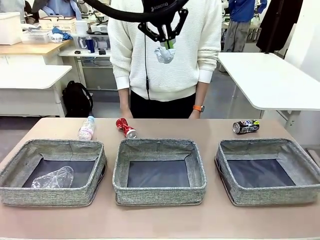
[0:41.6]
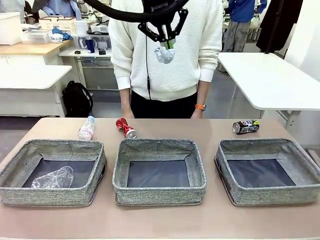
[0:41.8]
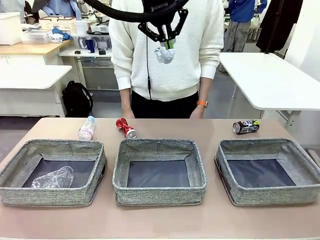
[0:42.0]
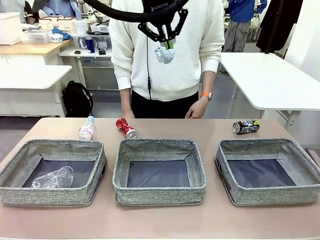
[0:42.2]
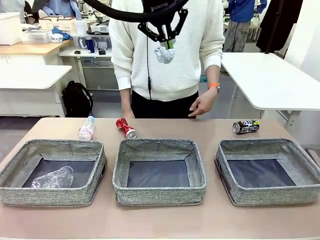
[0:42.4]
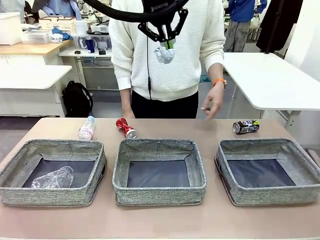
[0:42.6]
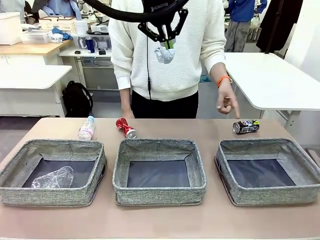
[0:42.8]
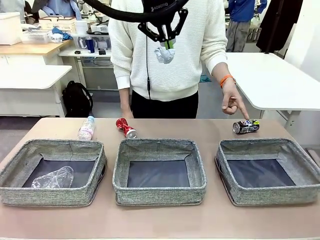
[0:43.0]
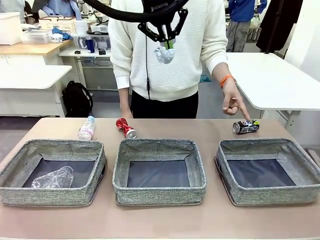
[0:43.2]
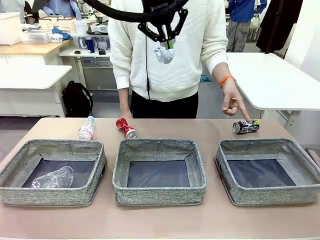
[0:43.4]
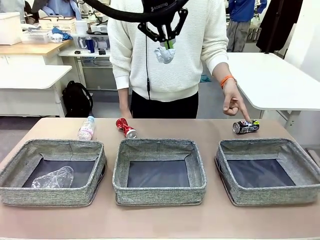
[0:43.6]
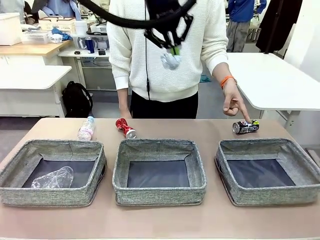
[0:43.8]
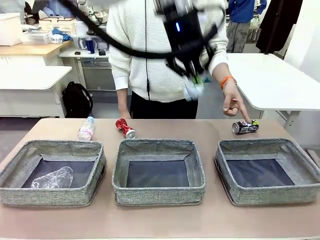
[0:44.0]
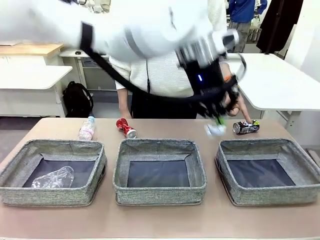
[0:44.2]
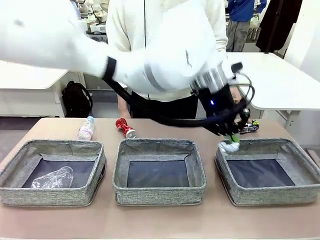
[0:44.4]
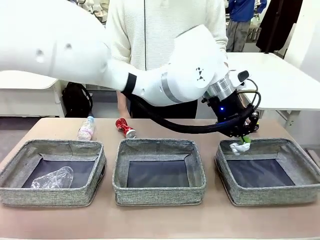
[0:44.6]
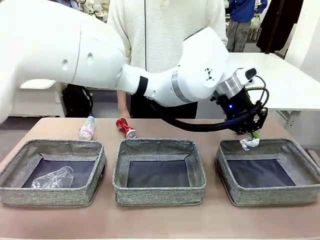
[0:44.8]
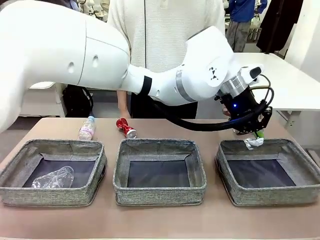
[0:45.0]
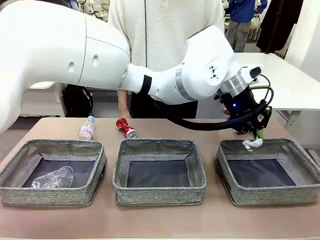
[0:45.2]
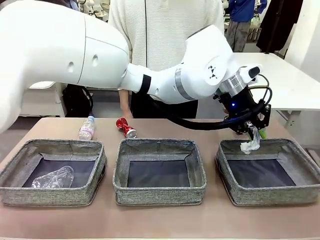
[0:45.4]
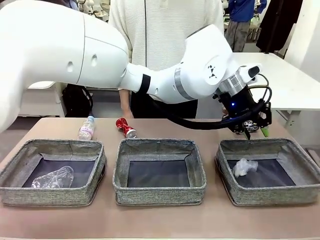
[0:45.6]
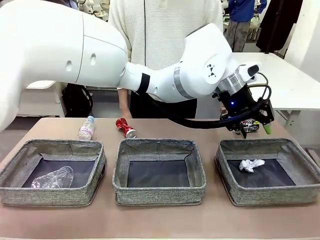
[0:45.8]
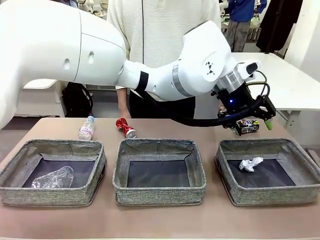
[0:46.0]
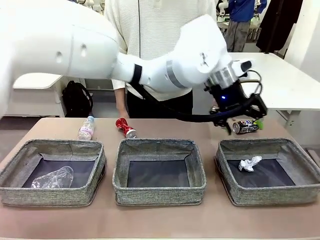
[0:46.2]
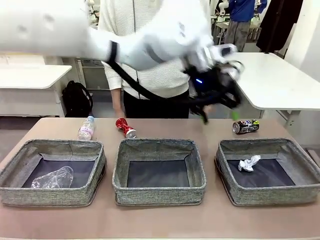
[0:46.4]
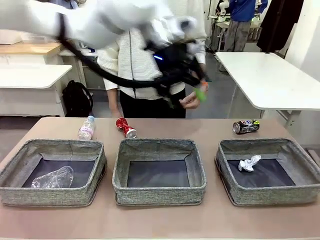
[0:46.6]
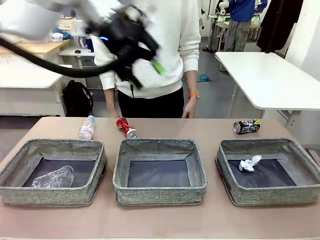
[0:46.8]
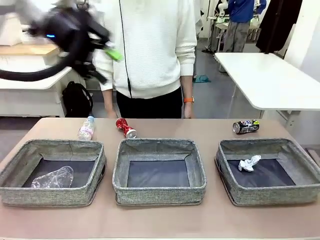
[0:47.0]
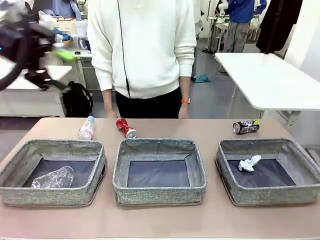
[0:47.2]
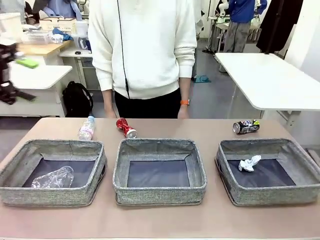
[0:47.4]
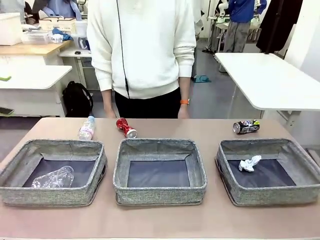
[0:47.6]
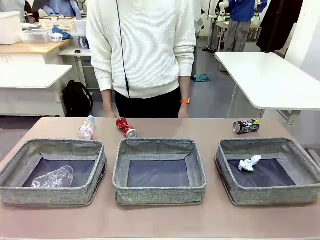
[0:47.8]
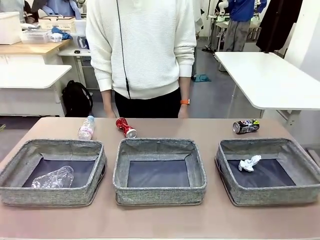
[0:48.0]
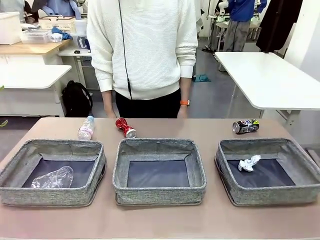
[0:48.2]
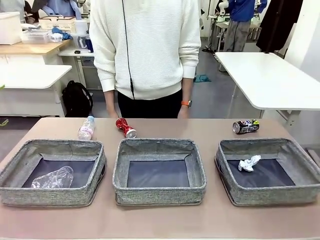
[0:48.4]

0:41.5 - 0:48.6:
Task: Sort the waste into the appropriate baskets.
Robot: Place the picked waste into the Fabric basket indicated by the person.
Person: Instructs the robot to place the picked-up trash into the appropriate organizing basket.

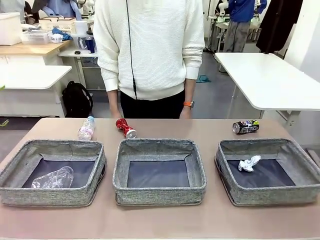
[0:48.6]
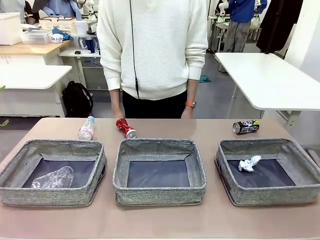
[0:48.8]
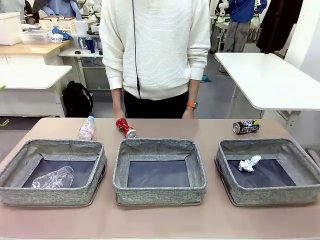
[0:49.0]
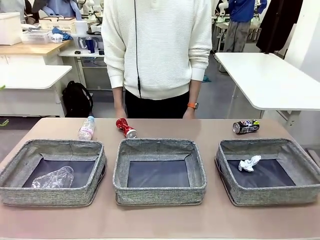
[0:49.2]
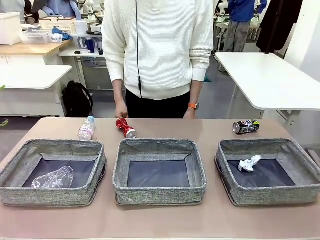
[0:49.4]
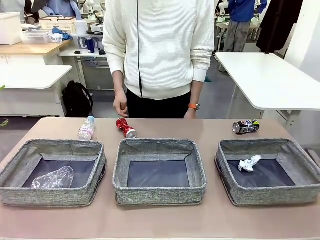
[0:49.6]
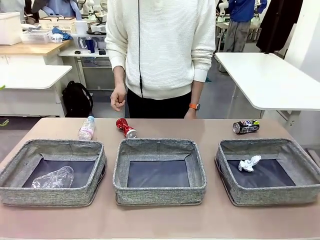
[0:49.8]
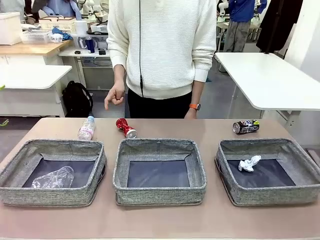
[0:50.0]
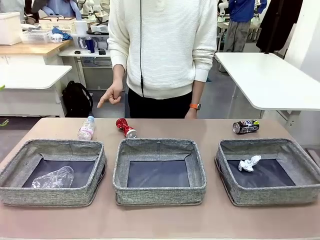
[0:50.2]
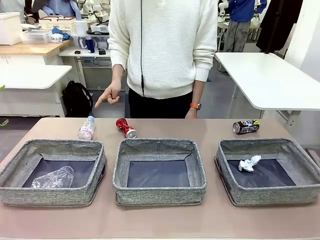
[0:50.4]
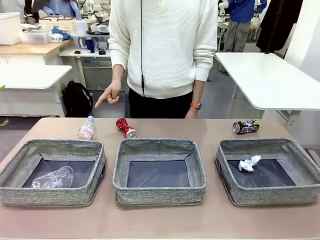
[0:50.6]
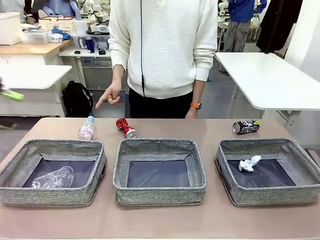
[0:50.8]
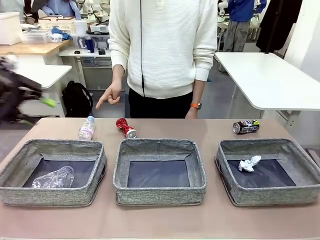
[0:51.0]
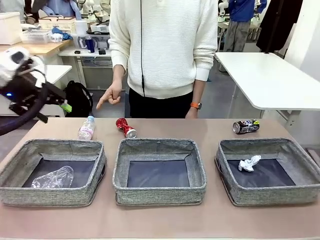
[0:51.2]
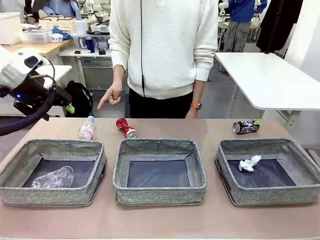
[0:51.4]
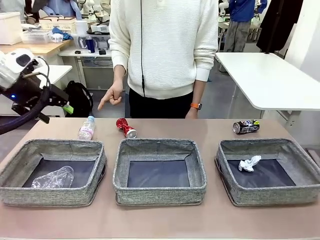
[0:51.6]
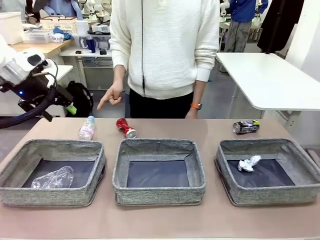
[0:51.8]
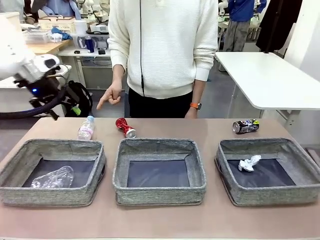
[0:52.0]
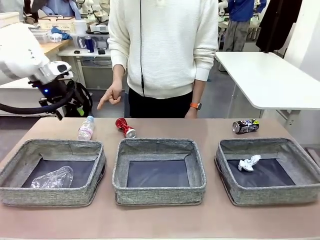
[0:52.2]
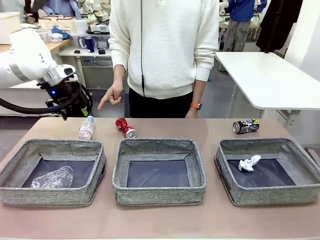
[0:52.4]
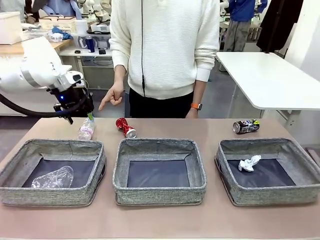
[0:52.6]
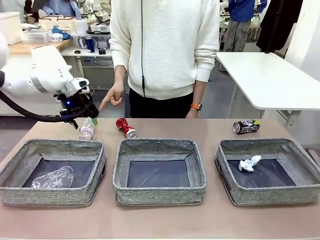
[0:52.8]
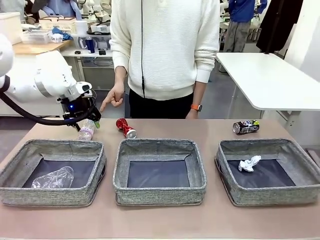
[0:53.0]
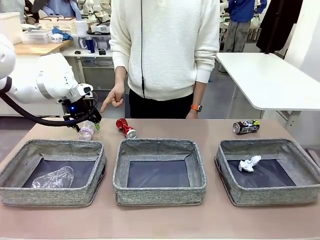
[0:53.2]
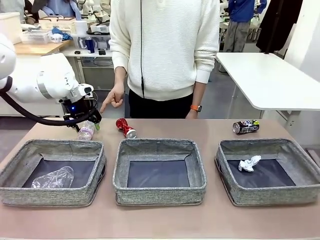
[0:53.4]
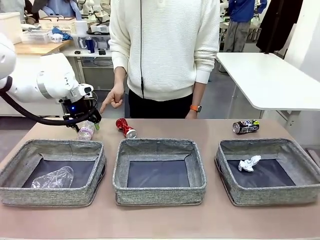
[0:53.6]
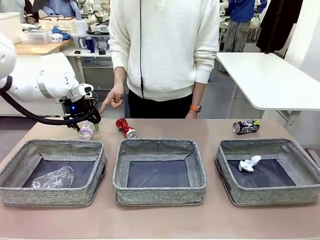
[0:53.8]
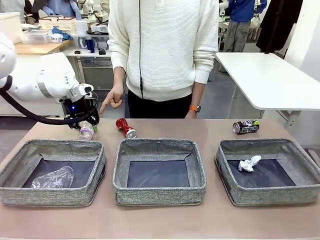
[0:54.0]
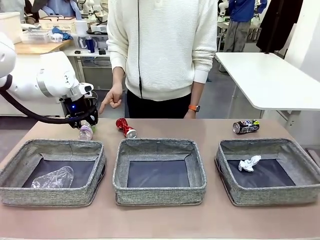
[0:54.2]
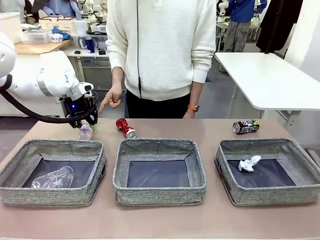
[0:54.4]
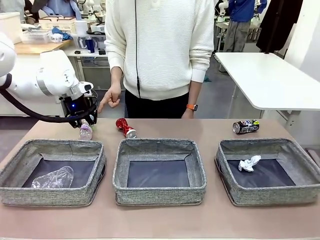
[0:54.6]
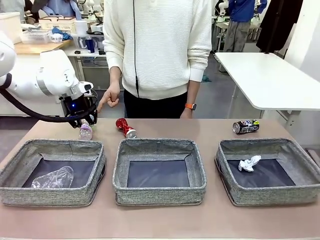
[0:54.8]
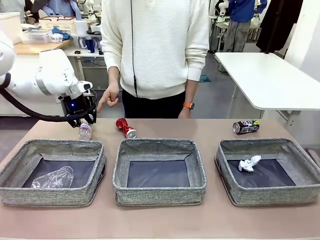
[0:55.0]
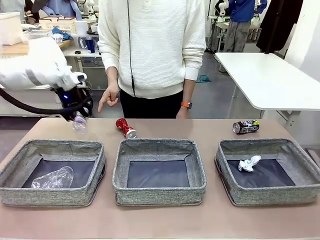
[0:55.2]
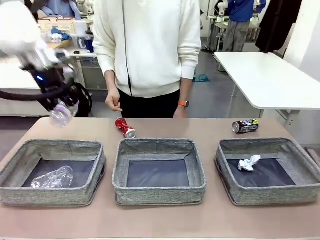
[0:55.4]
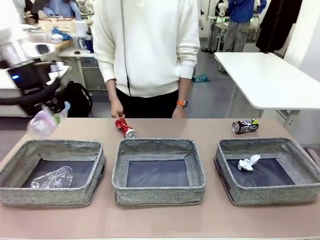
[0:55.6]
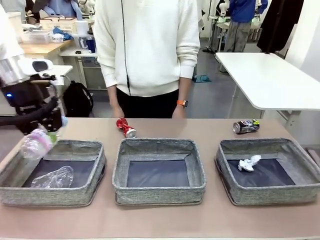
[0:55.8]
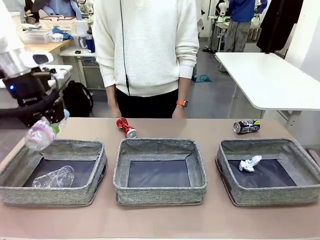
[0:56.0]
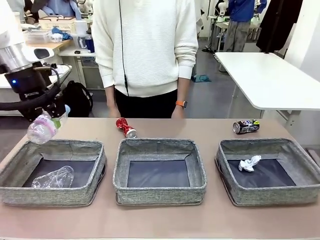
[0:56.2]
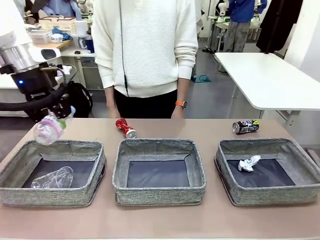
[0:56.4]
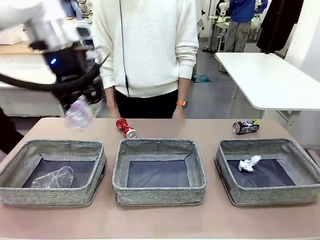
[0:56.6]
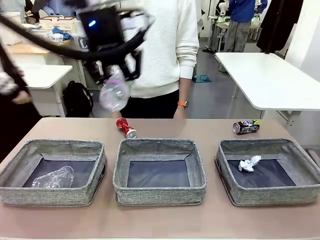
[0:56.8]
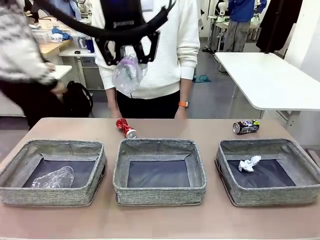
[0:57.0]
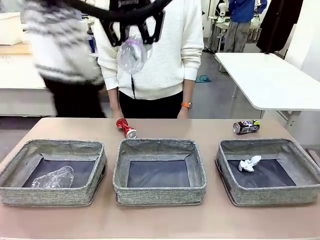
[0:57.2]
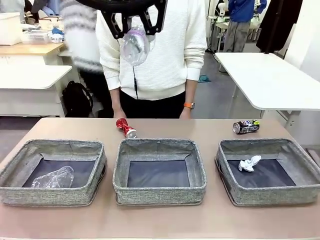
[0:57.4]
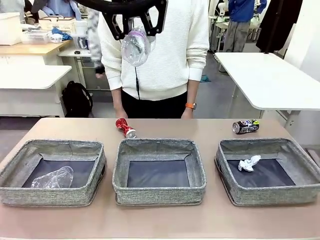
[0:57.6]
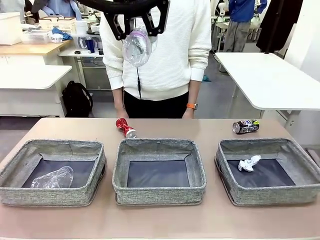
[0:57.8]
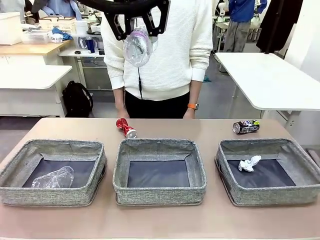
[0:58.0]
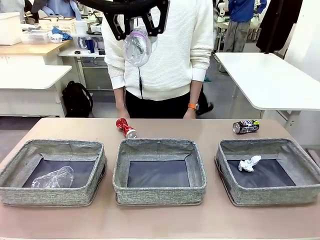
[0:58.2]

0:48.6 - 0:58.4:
Robot: Pick up the waste item pointed out by the person.
Person: Points to one piece of trash on the table.

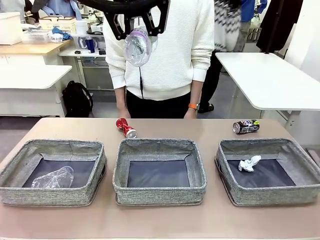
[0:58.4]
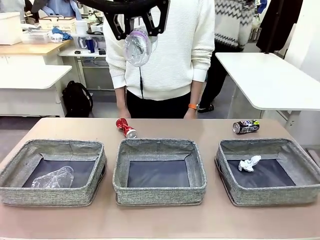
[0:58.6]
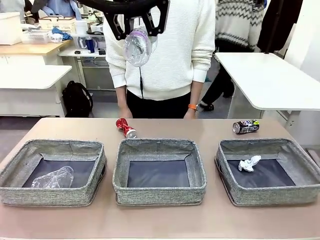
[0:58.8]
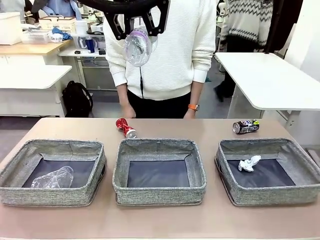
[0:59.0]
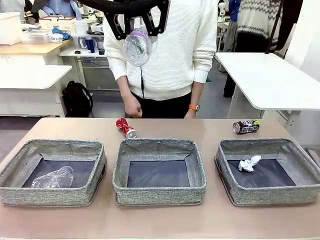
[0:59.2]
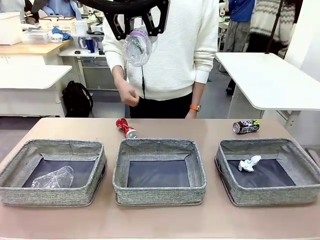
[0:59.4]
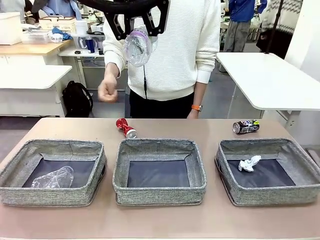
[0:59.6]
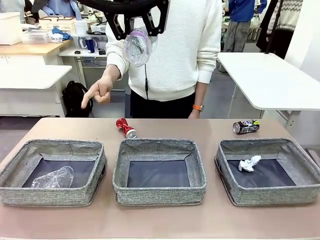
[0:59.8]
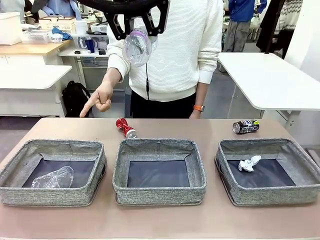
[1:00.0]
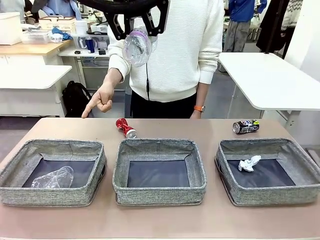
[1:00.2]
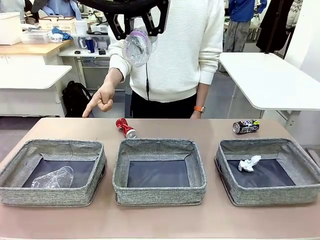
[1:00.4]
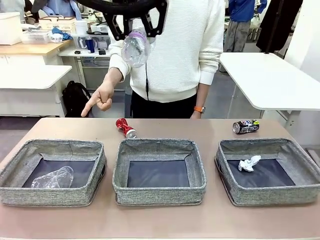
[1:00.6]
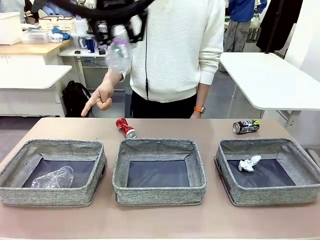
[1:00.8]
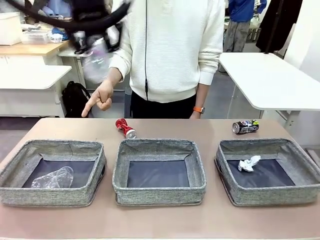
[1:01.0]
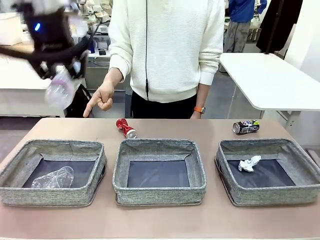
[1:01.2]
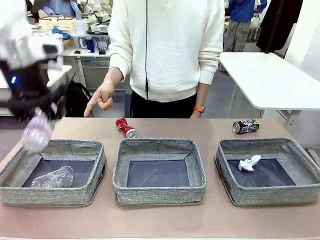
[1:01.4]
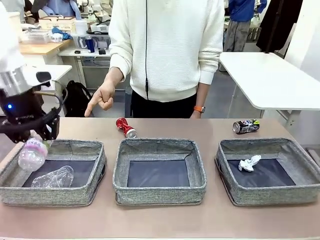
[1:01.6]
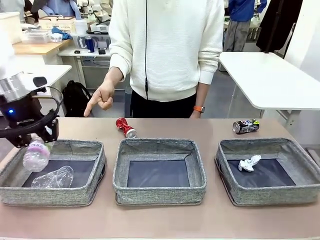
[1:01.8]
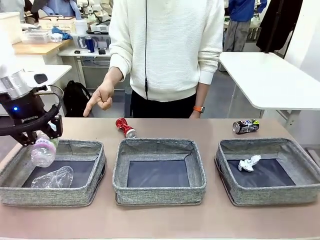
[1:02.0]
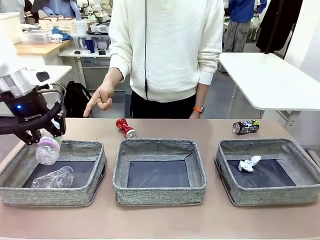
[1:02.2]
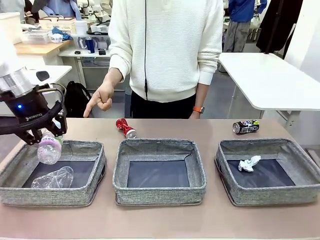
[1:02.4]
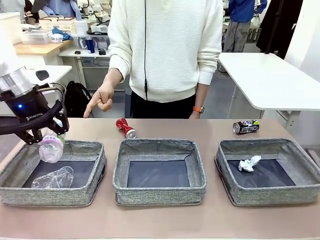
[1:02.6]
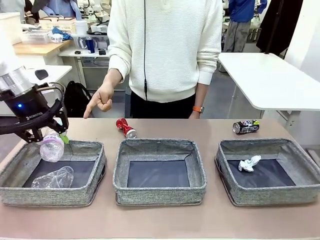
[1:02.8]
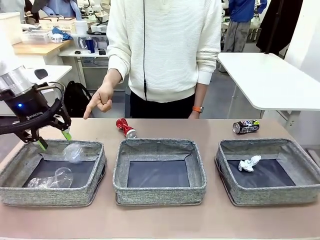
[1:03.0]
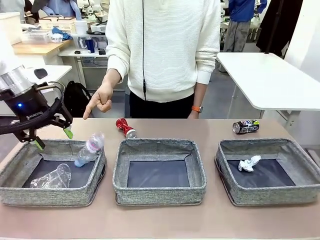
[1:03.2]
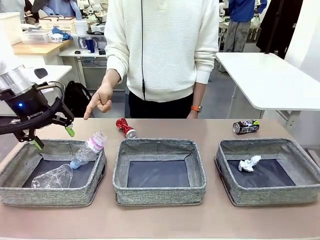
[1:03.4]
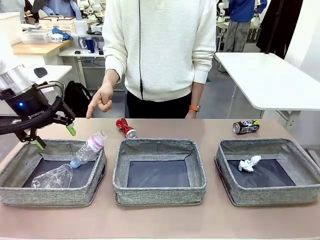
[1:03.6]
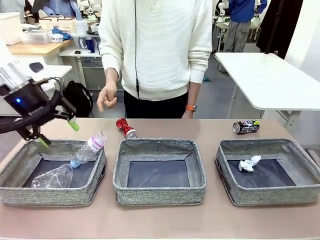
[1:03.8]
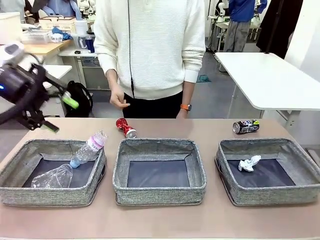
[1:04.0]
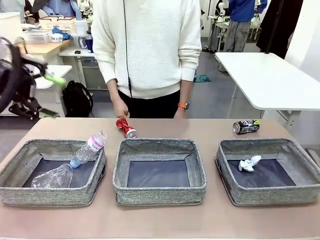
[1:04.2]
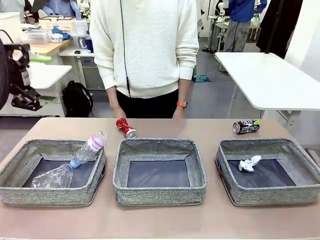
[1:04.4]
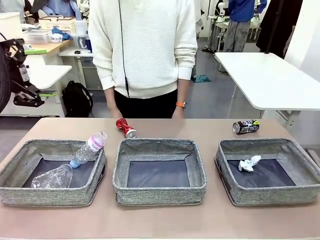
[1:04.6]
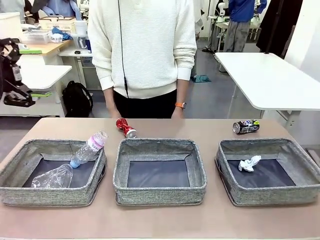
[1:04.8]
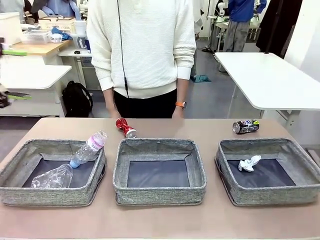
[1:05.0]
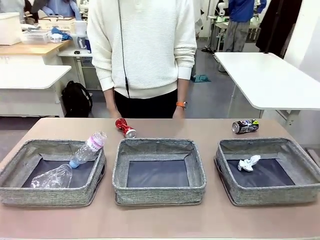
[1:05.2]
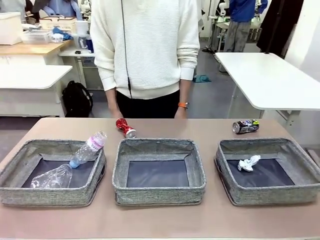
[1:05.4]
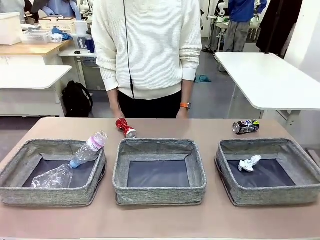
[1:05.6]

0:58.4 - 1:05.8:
Robot: Place the picked waste into the Fabric basket indicated by the person.
Person: Instructs the robot to place the picked-up trash into the appropriate organizing basket.
